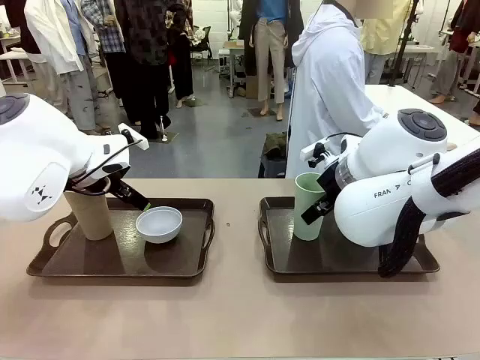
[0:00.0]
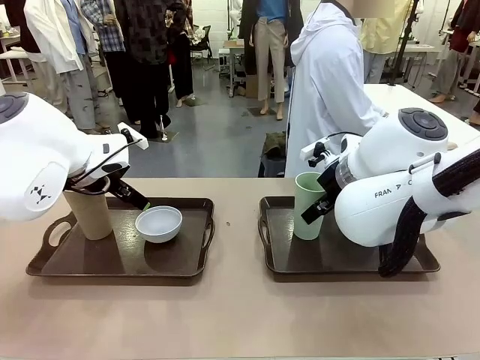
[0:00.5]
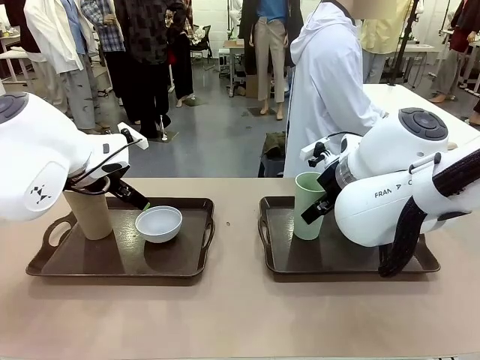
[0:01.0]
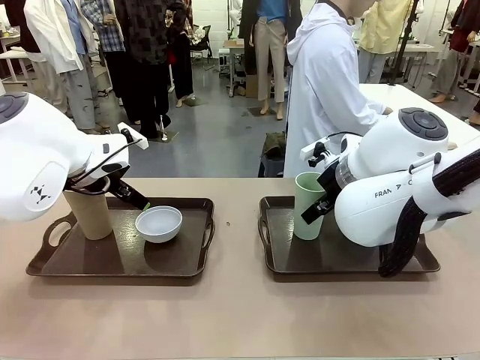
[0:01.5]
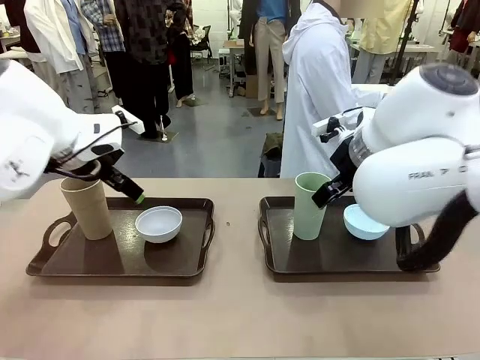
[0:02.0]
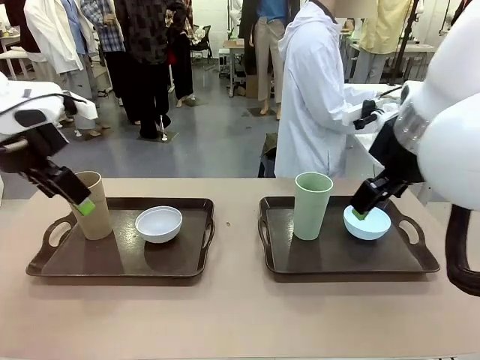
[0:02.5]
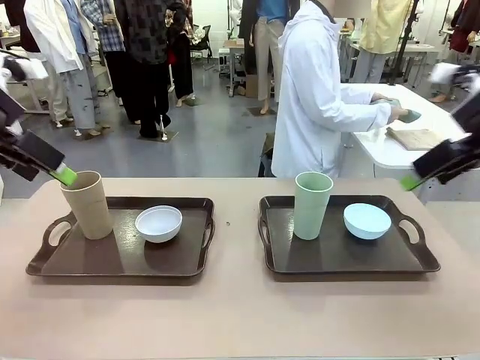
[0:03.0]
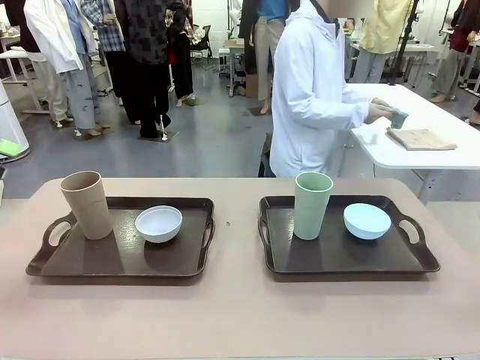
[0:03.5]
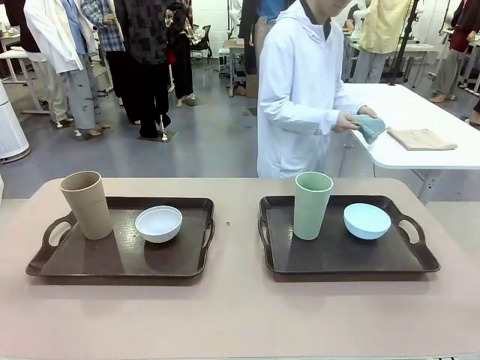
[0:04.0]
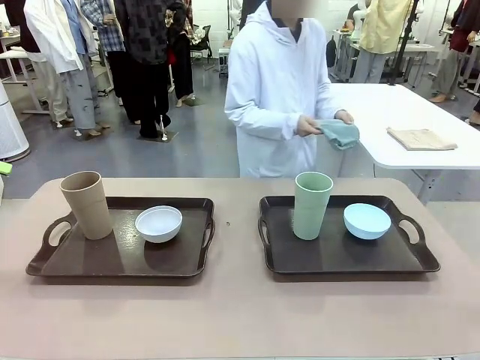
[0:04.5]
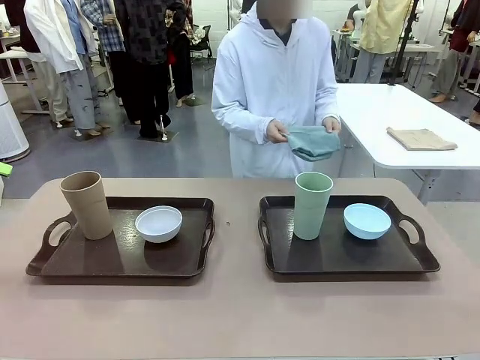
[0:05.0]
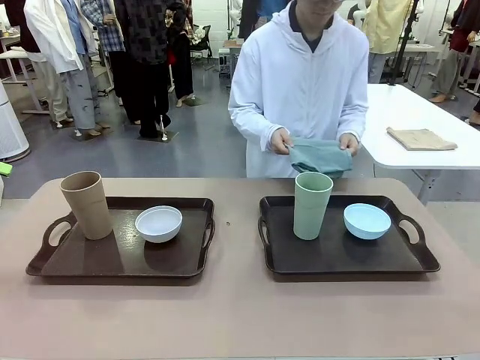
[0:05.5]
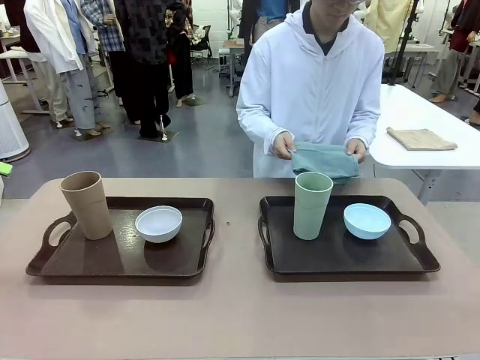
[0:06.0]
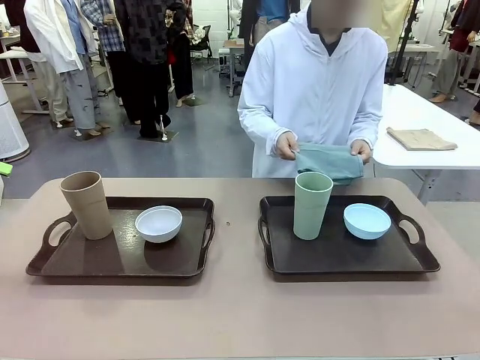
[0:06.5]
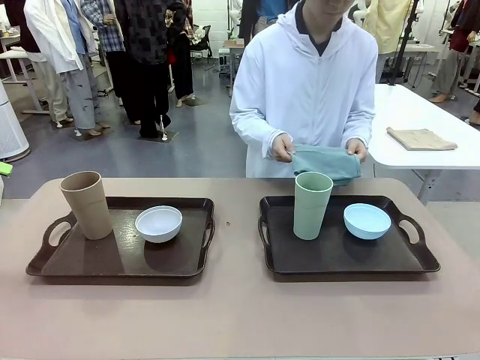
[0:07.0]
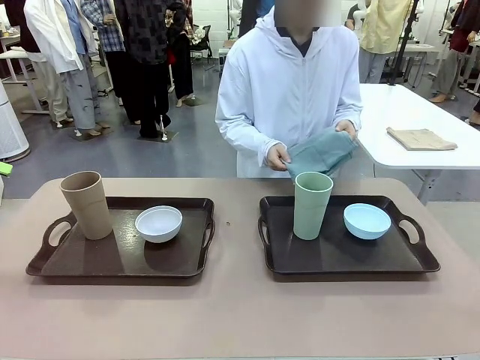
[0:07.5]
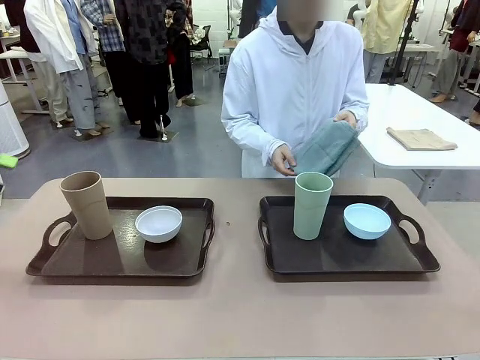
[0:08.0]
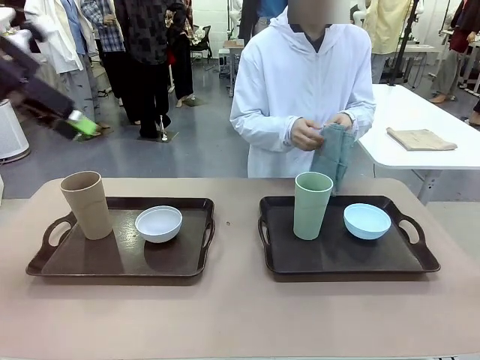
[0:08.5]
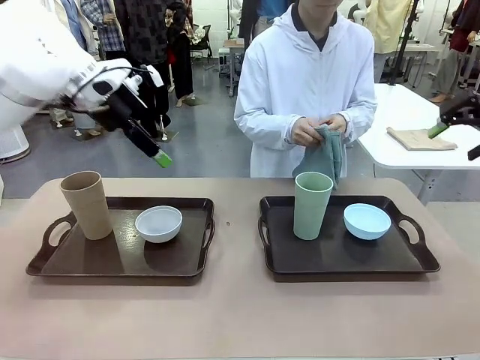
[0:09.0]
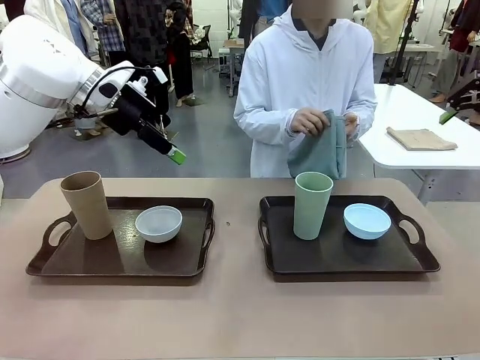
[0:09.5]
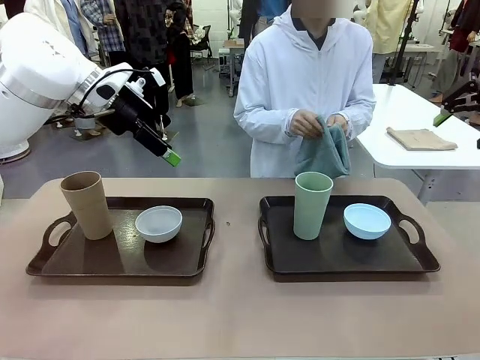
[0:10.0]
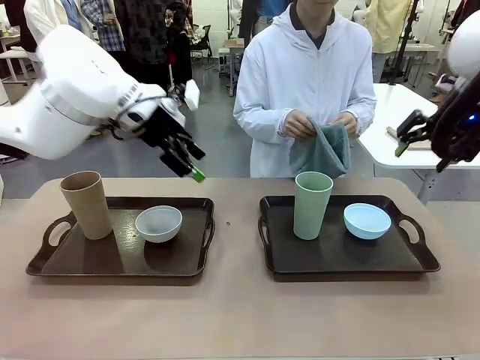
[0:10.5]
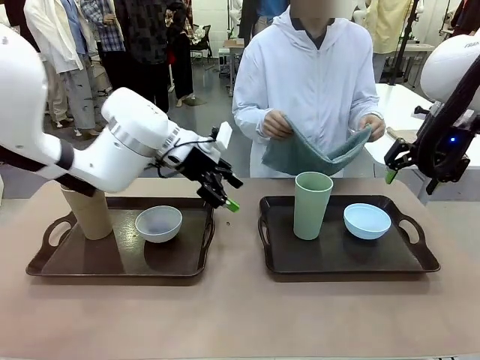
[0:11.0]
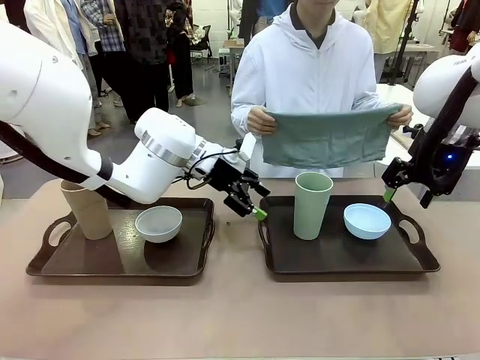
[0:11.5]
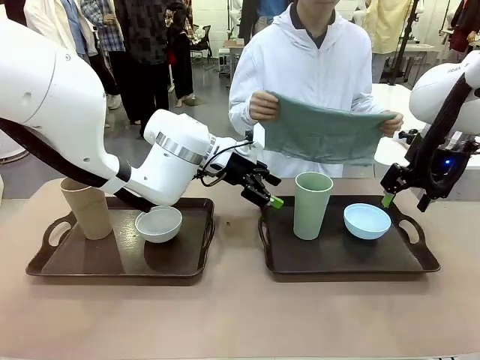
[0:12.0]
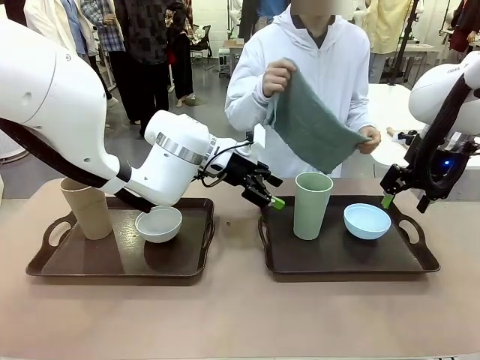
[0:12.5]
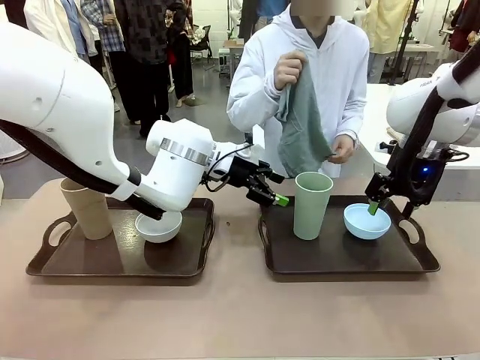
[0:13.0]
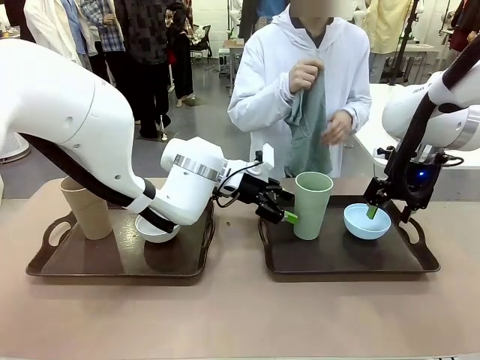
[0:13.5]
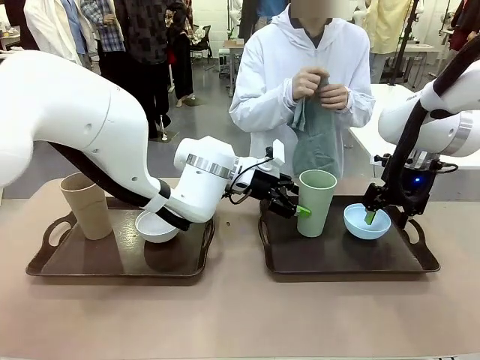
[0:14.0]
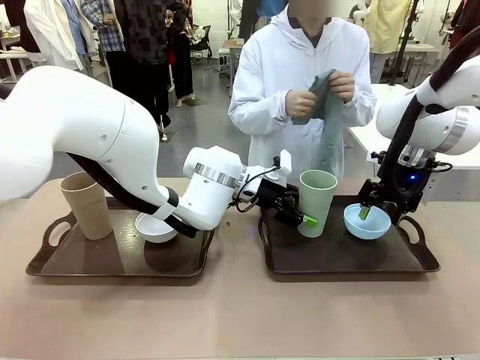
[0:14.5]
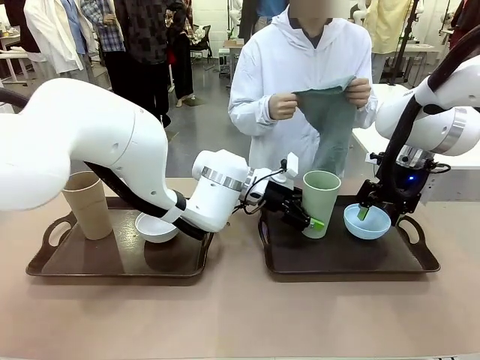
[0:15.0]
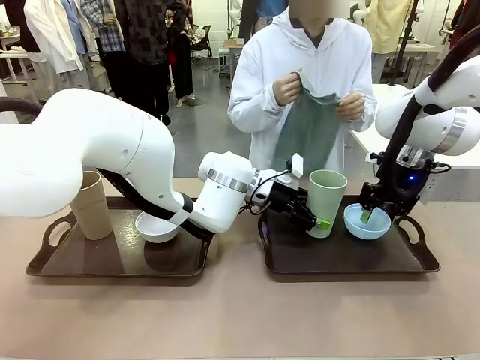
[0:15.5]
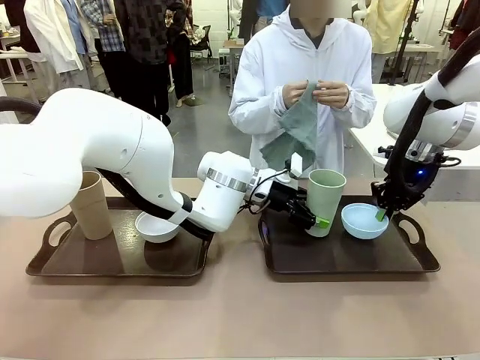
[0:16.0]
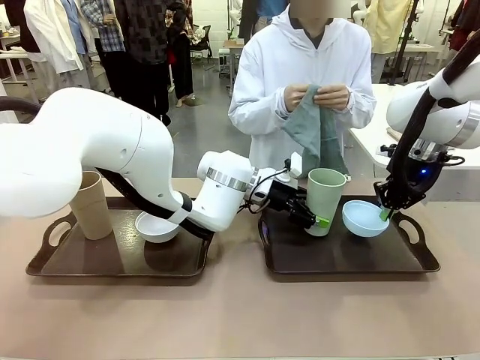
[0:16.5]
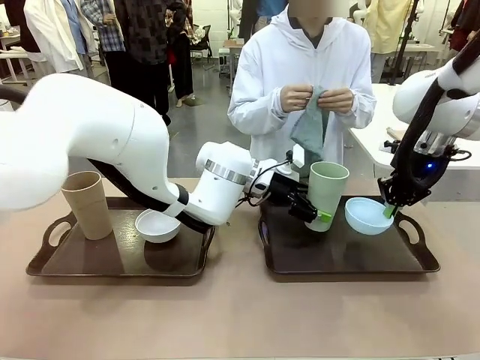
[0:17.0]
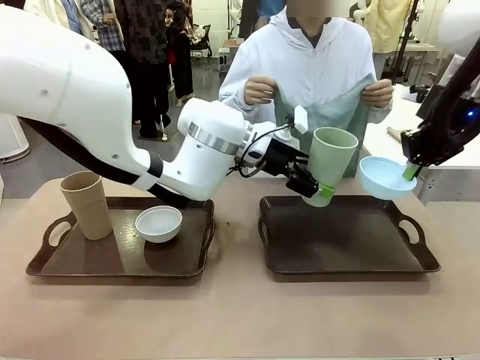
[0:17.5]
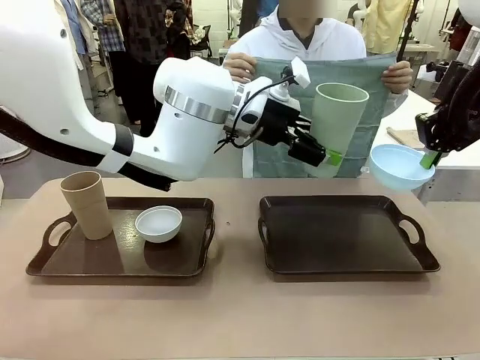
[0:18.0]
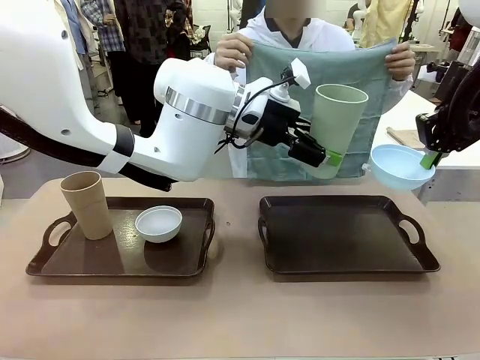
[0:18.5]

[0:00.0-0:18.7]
Robot: Pick up the Picnic Bowl and Reusable plastic cup from the Handle tray in front of the human's position and hold them in the air.
Person: The human picks up the top napkin from the stack on the human table and walks to the robot table to stand in front of one of the two trays. When the robot lifts the bowl and the cup, the human unfolds the napkin and lays the napkin flat on the tray.

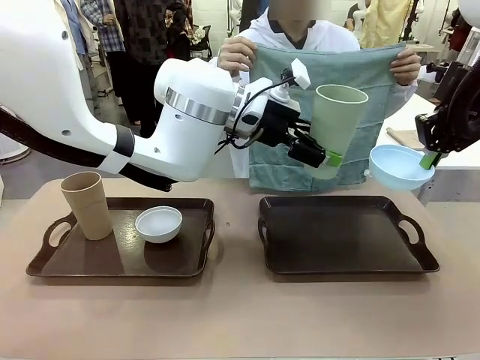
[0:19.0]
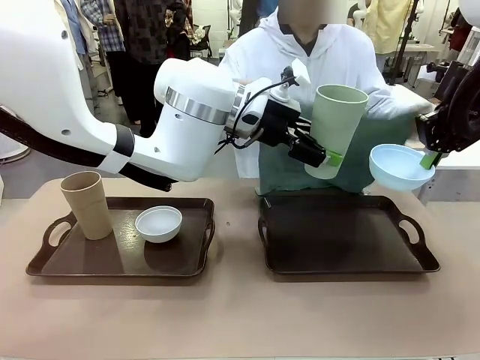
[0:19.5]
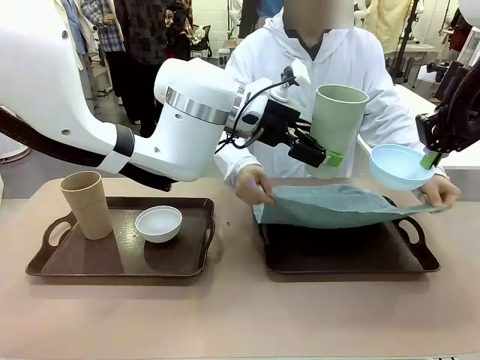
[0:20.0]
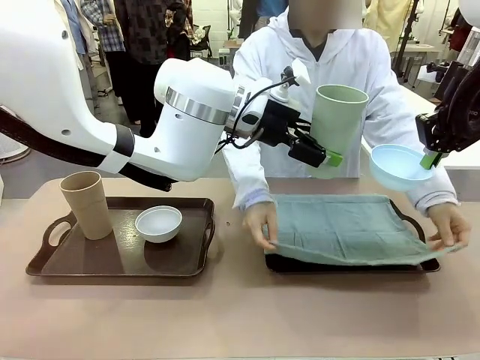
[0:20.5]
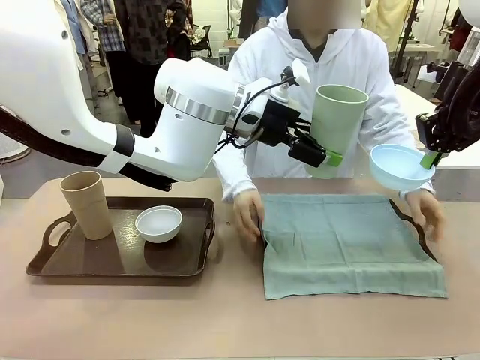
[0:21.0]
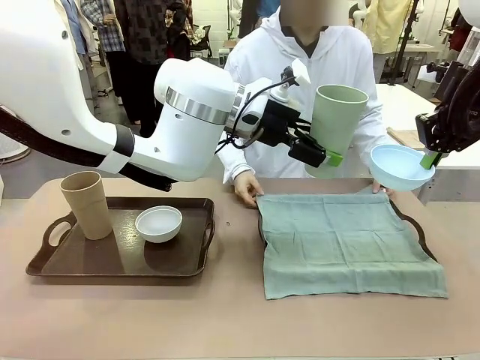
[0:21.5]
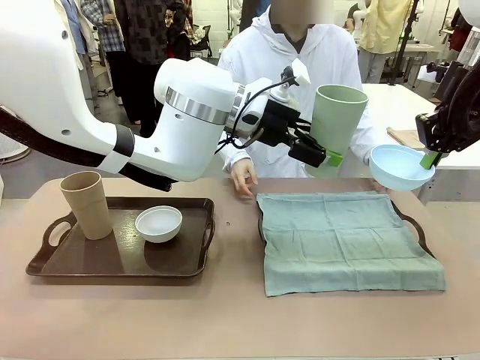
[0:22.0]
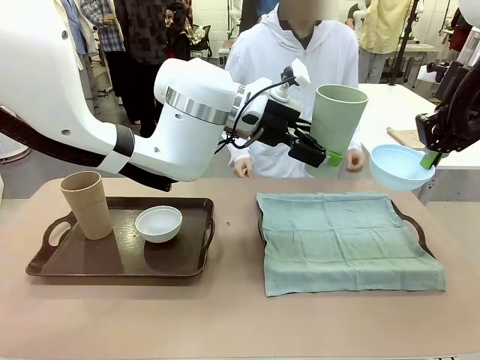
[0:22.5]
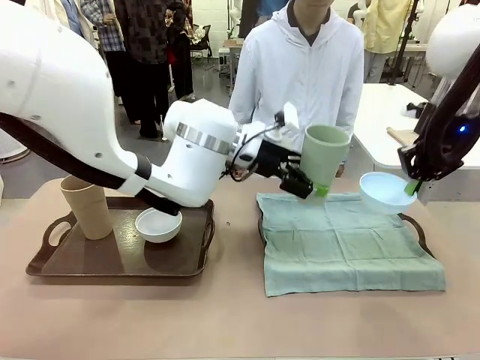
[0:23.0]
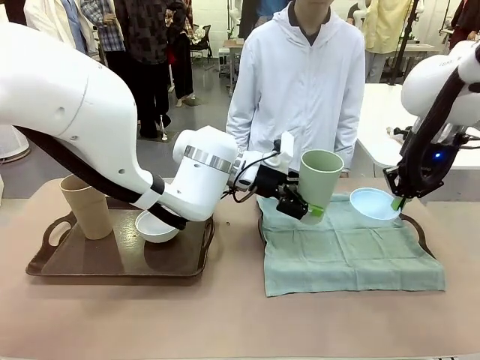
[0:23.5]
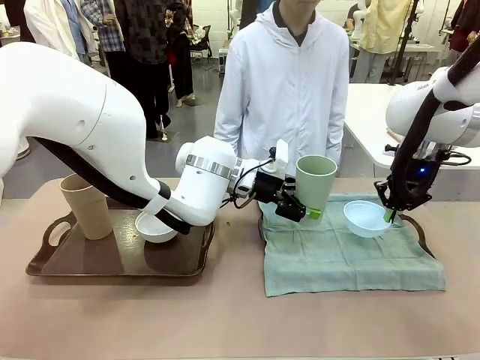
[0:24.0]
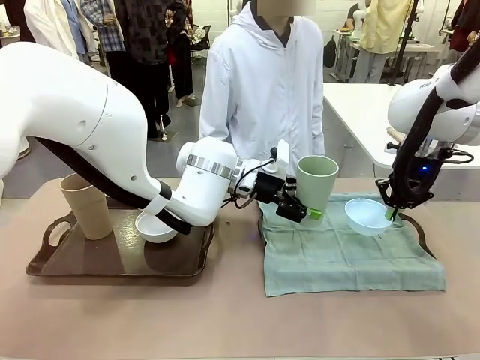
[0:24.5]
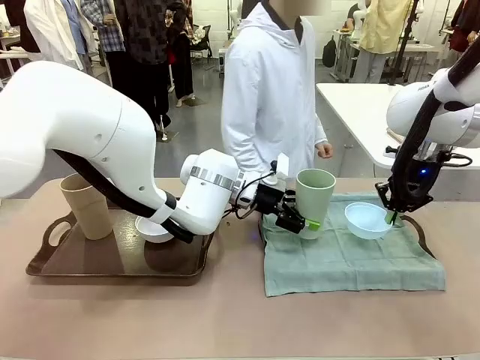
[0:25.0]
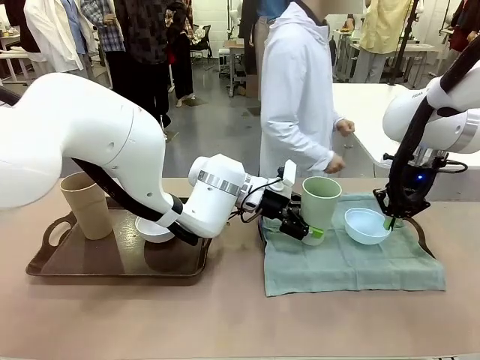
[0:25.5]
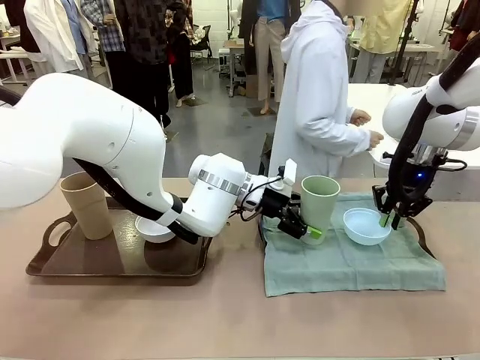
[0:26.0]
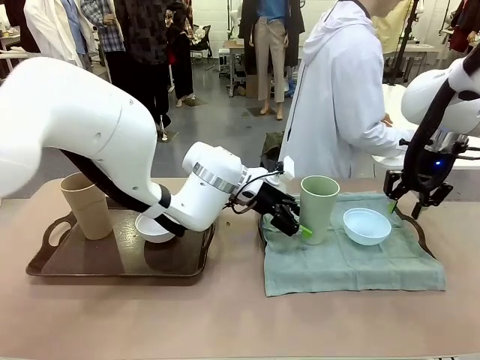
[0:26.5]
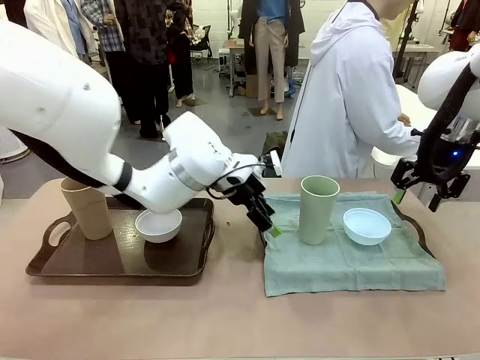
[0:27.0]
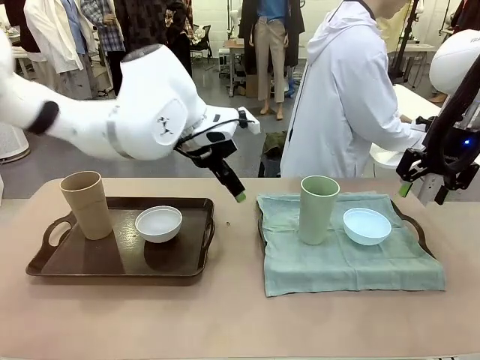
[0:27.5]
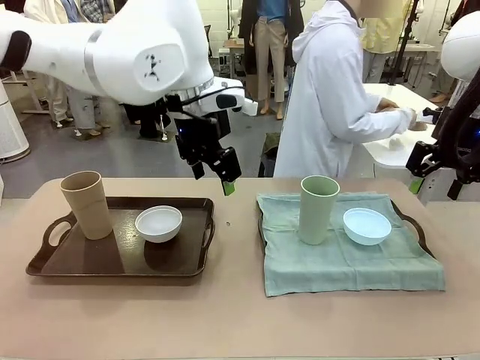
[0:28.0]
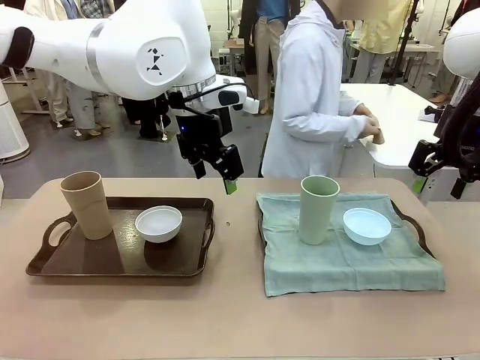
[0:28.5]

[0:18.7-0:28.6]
Robot: Place the Picnic Bowl and Reusable plastic cup back onto the Handle tray in front of the human's position.
Person: The human returns to the human table to pick up another napkin and walks to the robot table to stand in front of the tray without a napkin.
